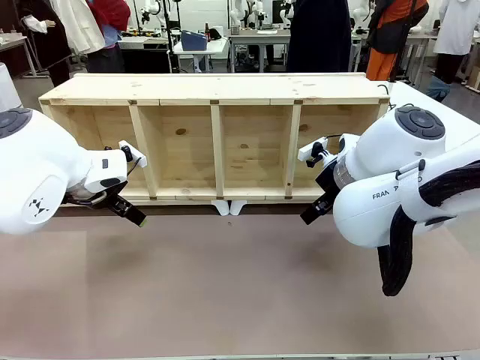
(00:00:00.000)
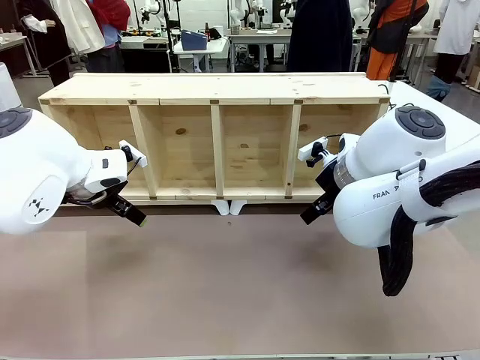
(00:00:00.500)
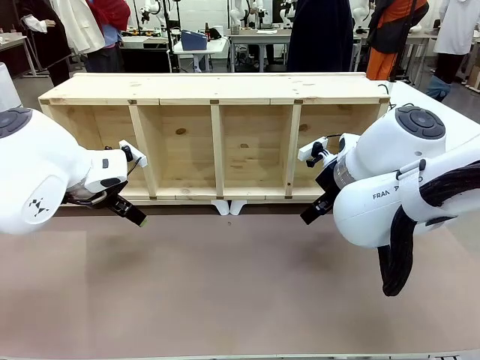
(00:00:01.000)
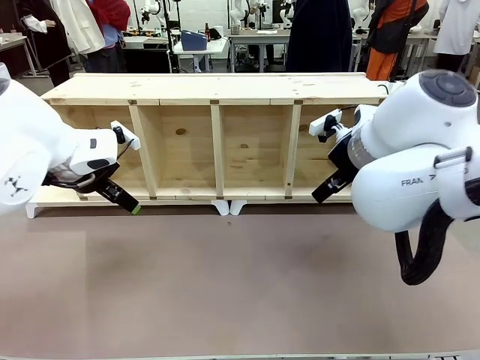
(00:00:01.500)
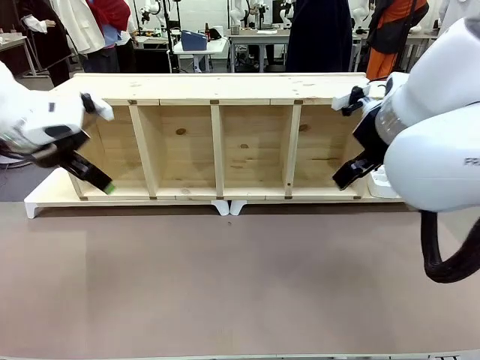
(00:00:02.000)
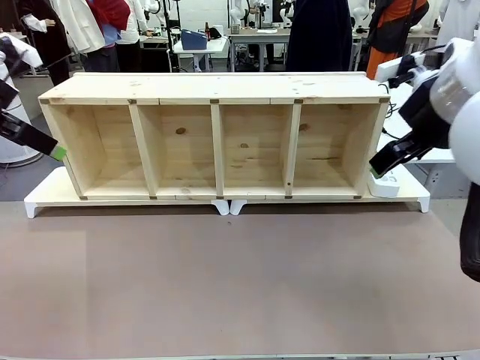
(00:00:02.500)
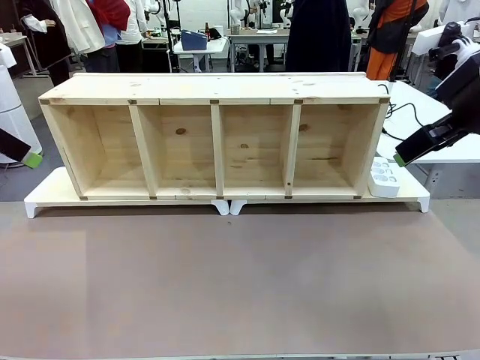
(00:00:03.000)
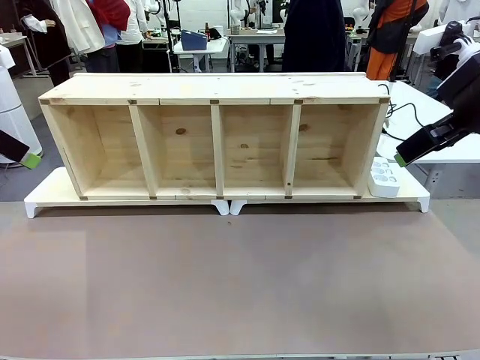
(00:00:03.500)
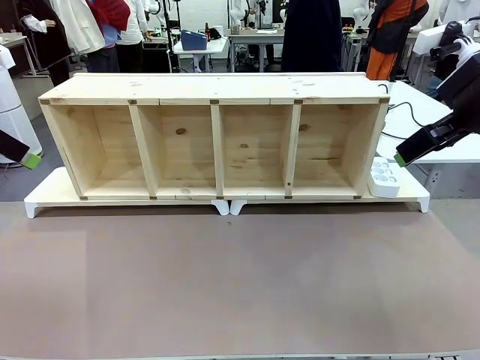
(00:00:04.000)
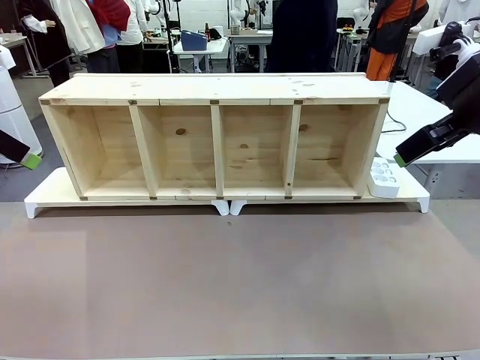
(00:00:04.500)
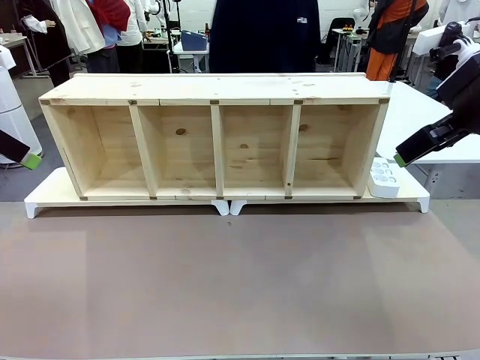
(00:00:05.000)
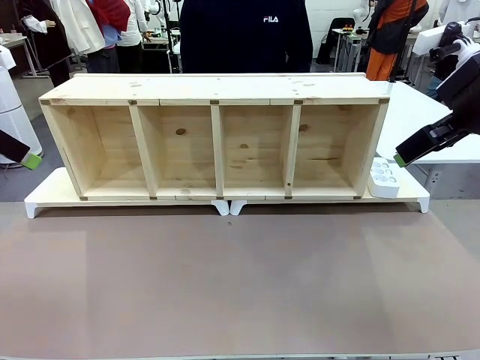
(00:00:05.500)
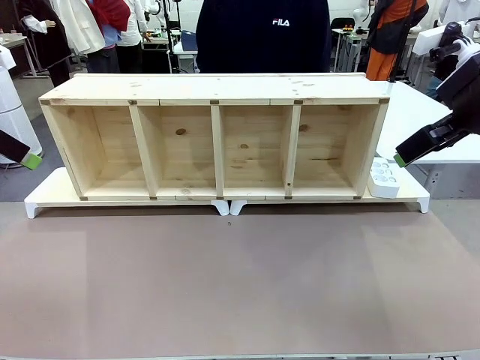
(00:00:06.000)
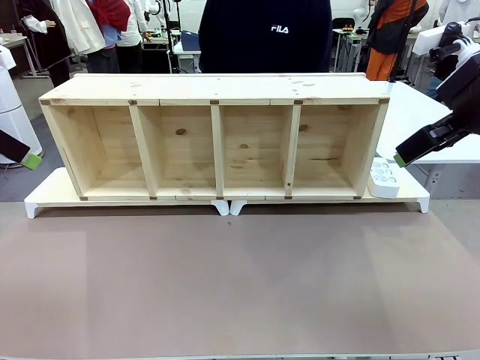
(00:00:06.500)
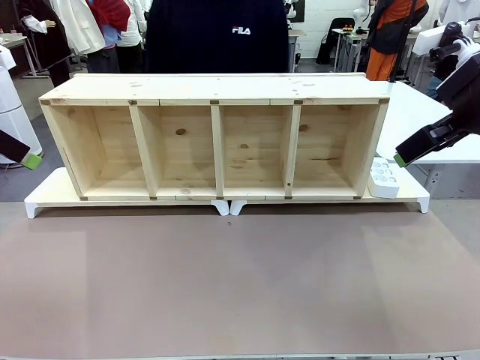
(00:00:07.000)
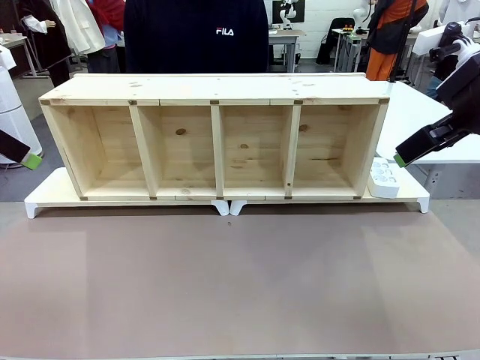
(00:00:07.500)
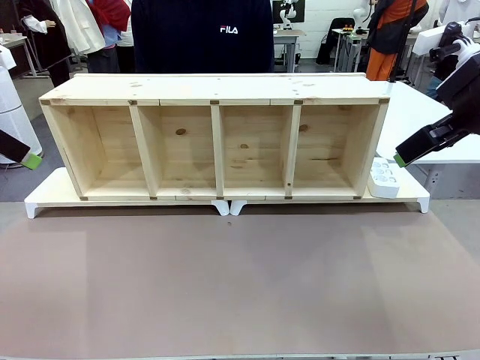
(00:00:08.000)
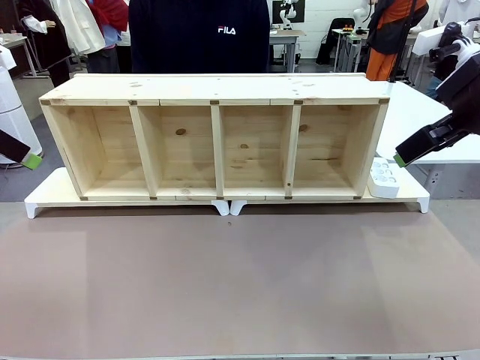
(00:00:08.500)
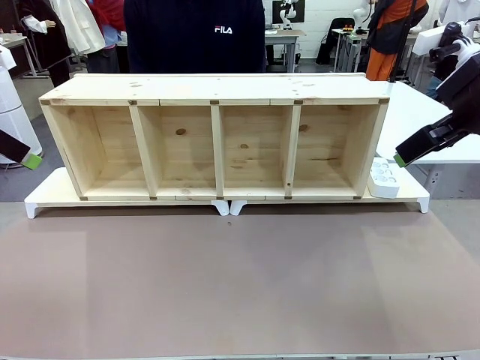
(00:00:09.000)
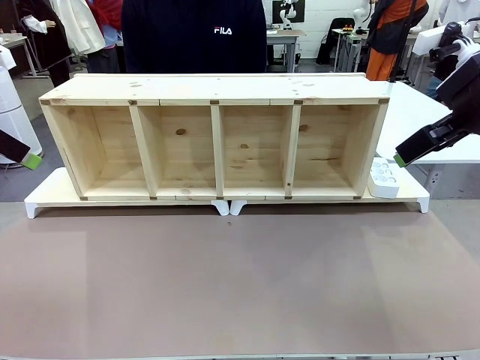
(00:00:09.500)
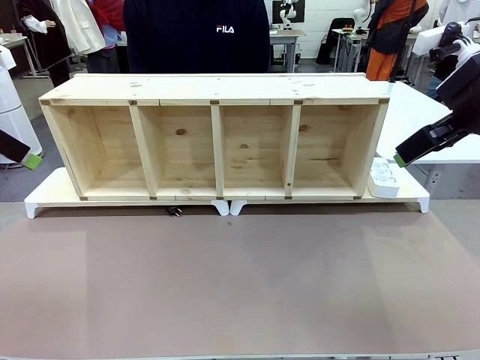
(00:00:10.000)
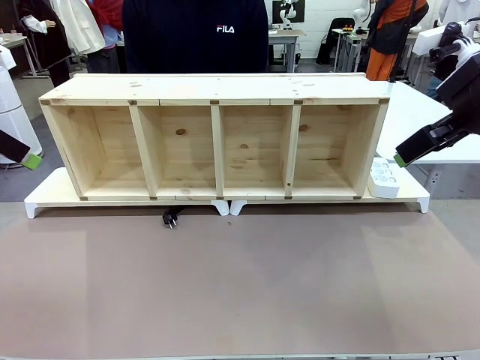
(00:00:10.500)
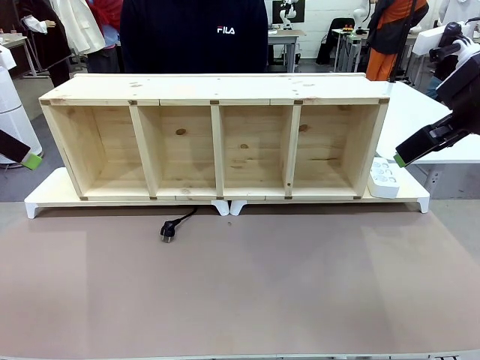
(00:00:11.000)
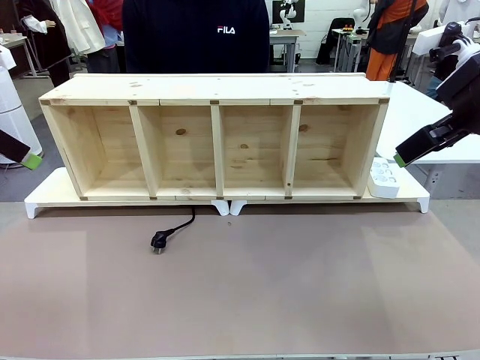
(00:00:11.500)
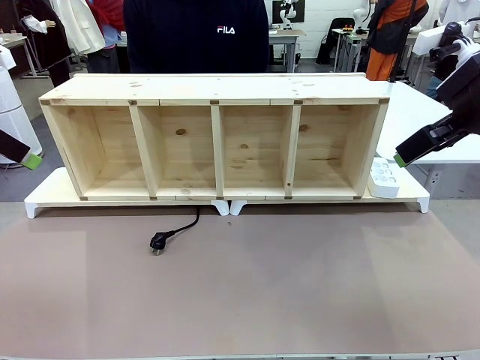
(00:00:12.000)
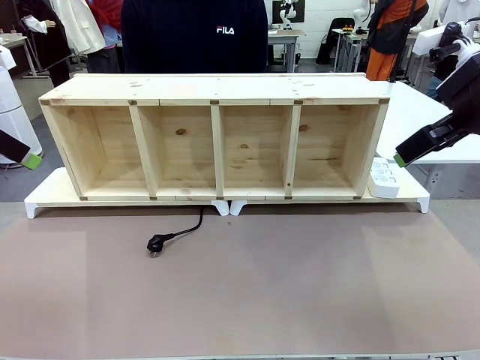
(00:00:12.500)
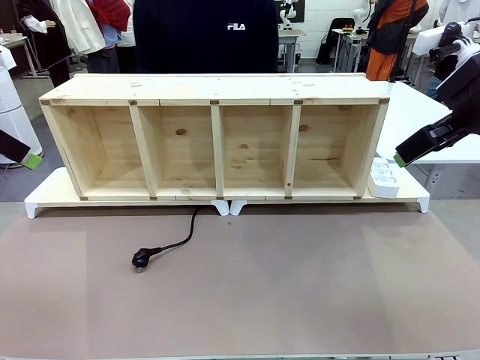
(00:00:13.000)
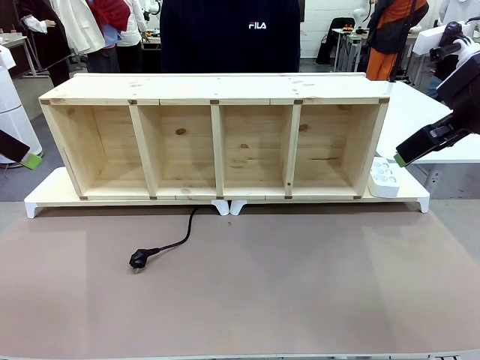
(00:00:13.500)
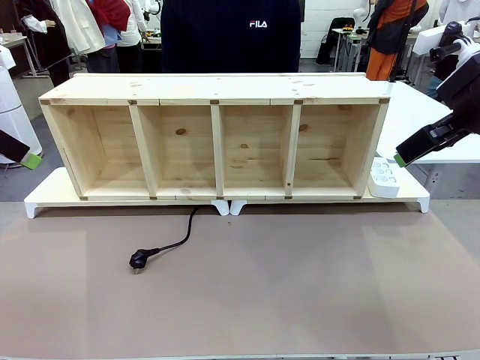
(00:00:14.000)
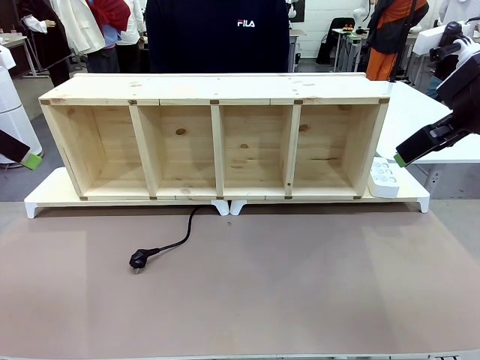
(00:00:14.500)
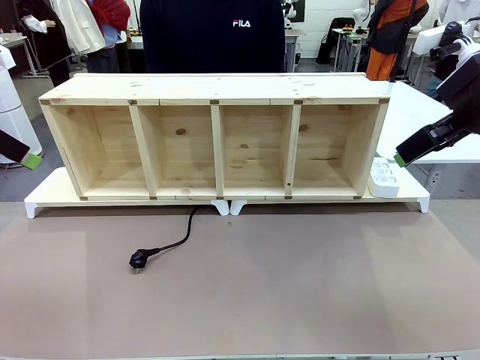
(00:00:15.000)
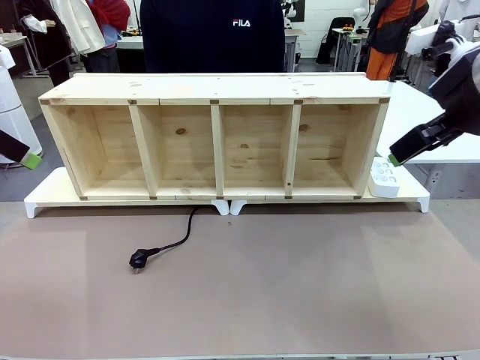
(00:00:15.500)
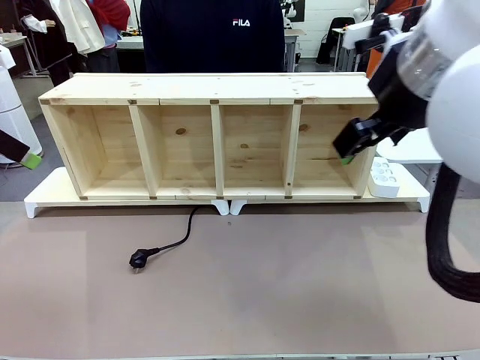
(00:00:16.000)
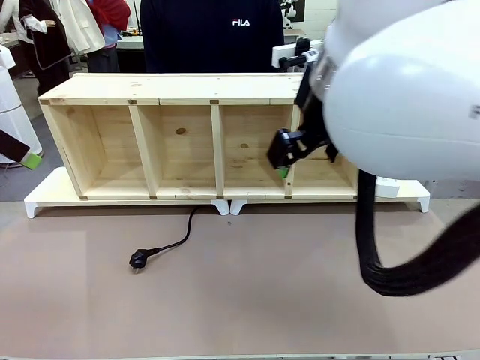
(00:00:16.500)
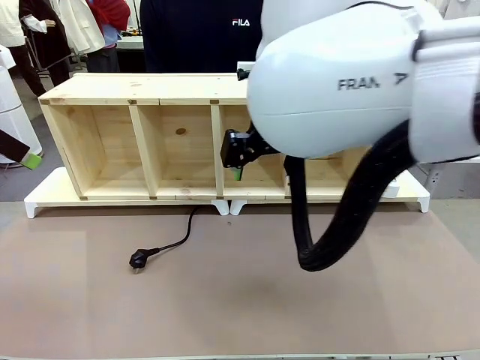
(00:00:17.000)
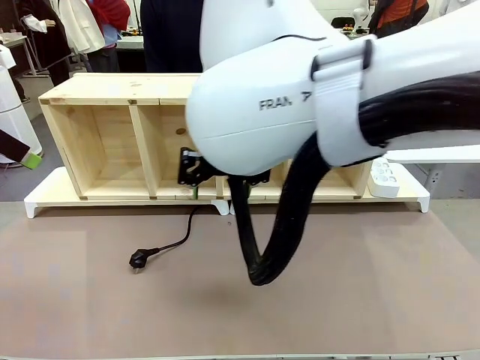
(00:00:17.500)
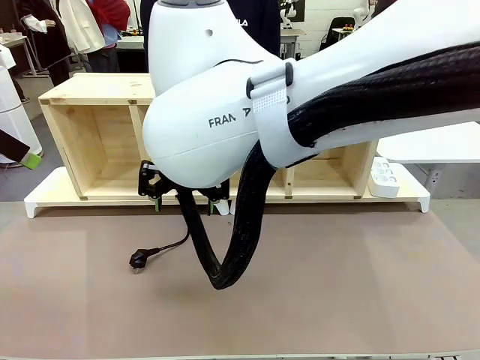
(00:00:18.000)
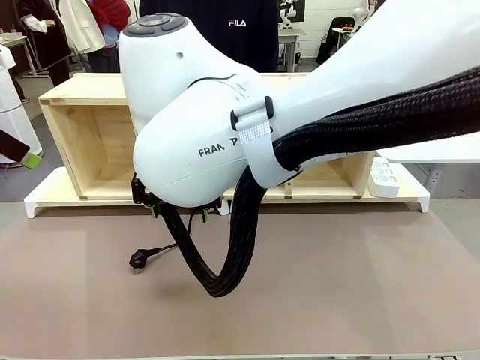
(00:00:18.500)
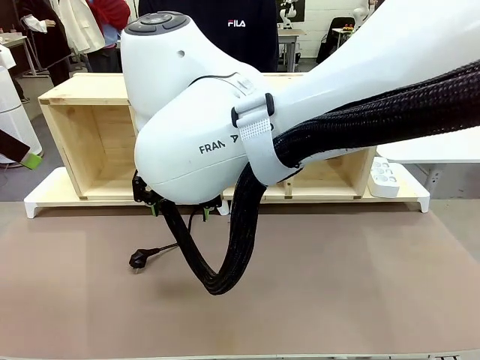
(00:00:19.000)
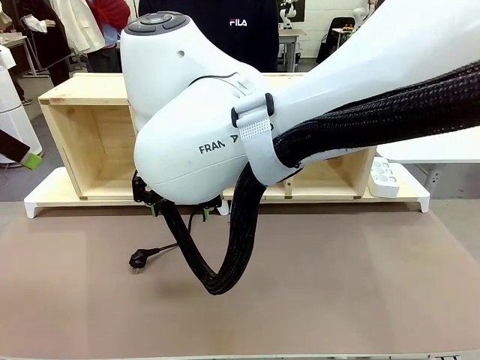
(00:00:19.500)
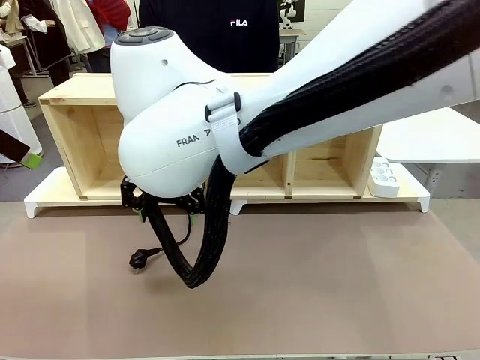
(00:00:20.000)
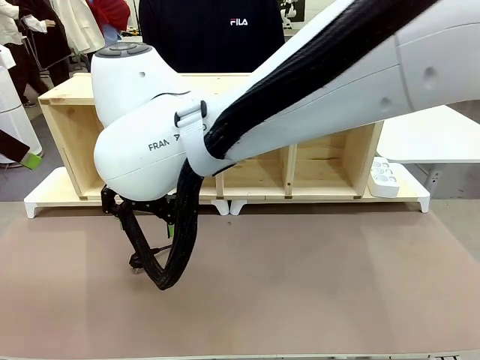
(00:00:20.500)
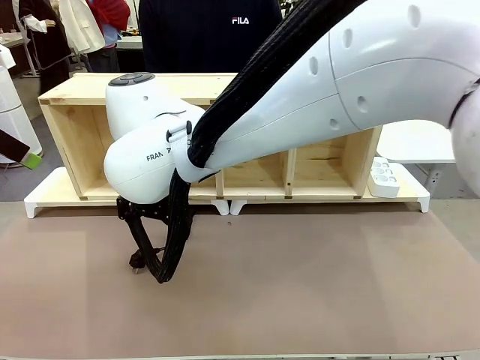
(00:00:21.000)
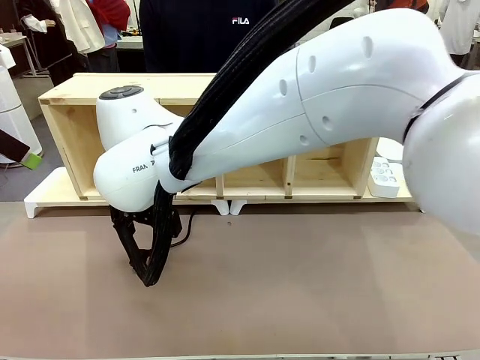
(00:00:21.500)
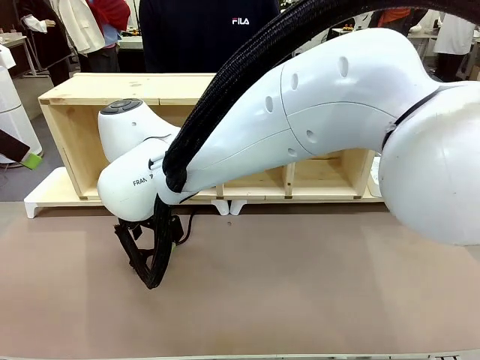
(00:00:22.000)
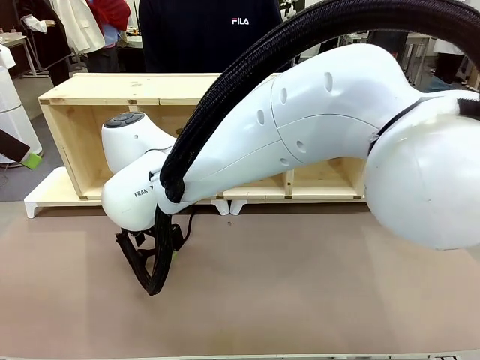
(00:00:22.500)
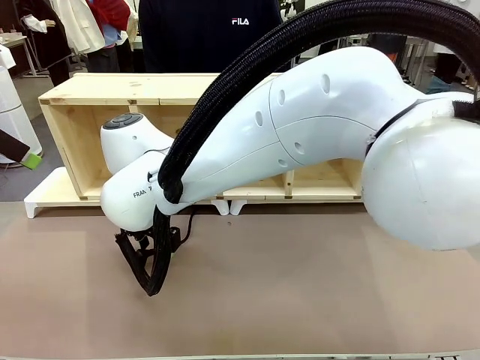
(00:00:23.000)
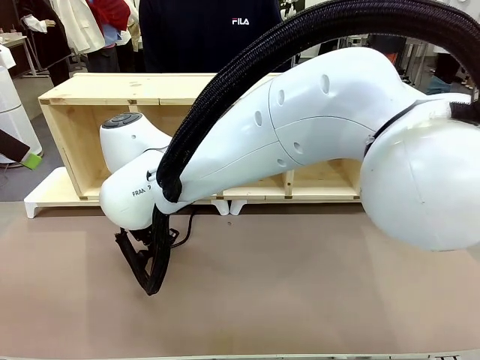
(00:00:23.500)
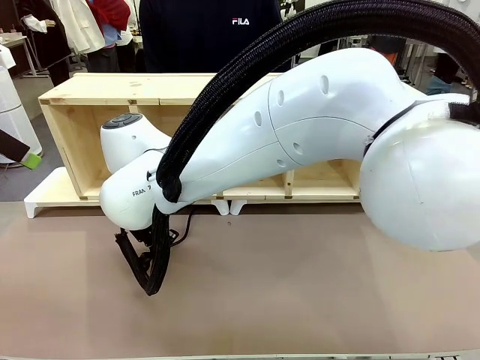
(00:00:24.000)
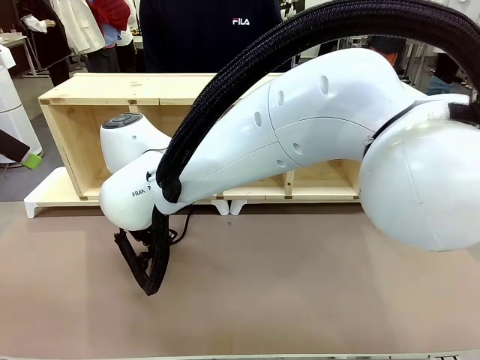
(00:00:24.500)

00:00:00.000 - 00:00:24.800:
Task: Perform cable management.
Robot: When the cord part of the Power Cable appears at the lower middle area of the table and stops, grasp the cord part of the Power Cable.
Person: Pass the Power Cable under the Serving Table.
